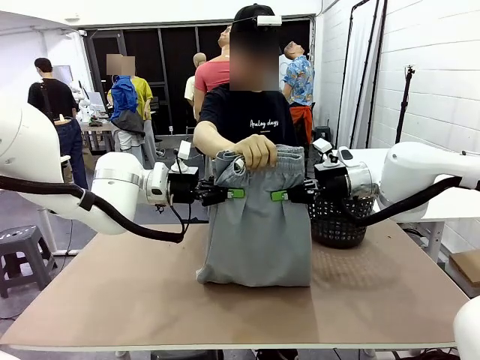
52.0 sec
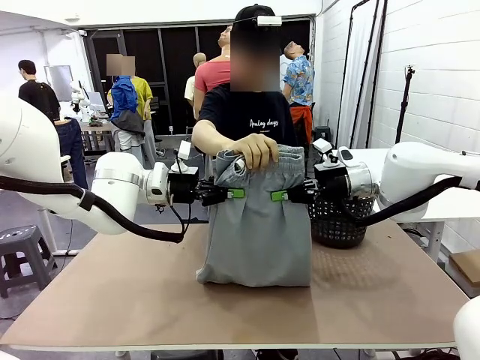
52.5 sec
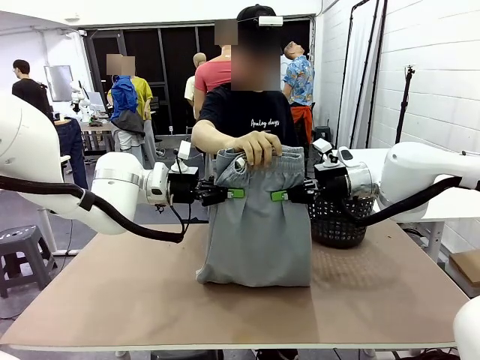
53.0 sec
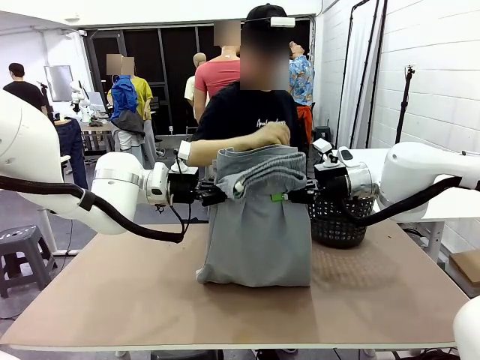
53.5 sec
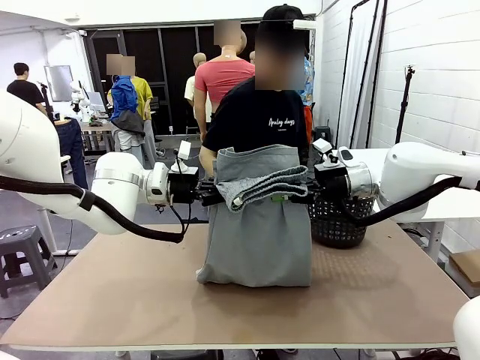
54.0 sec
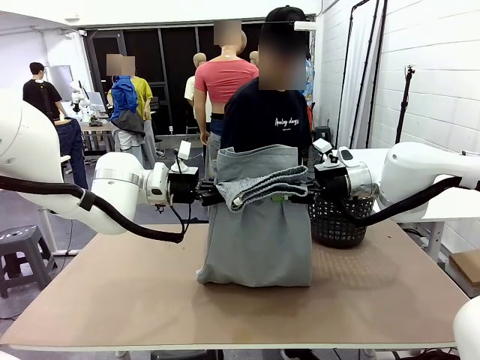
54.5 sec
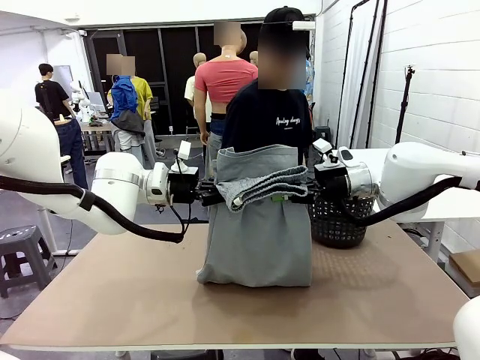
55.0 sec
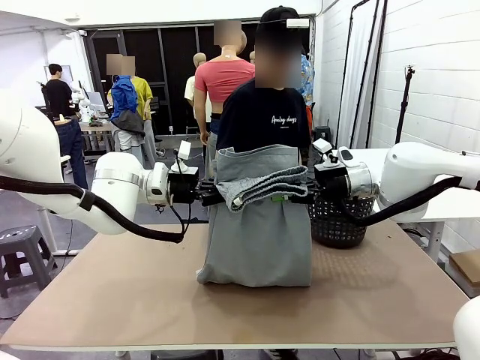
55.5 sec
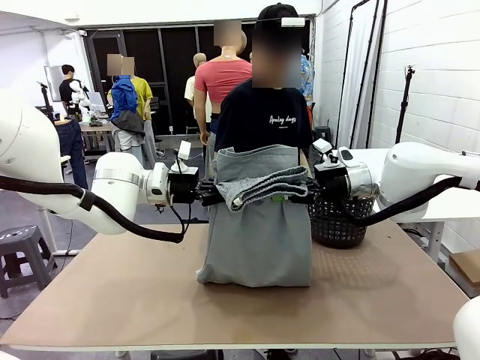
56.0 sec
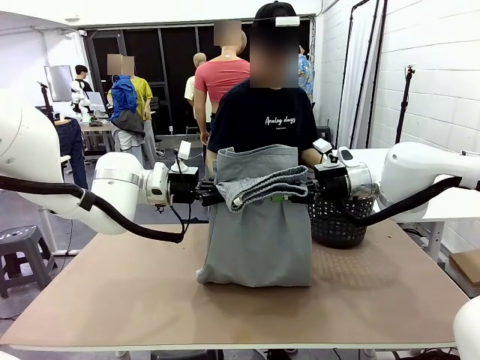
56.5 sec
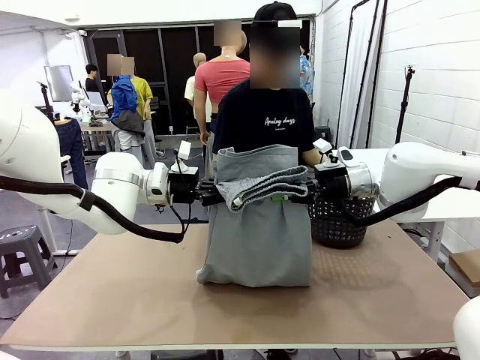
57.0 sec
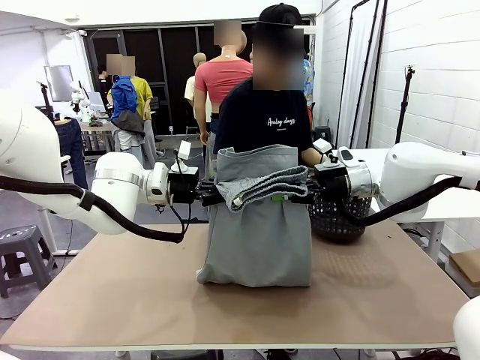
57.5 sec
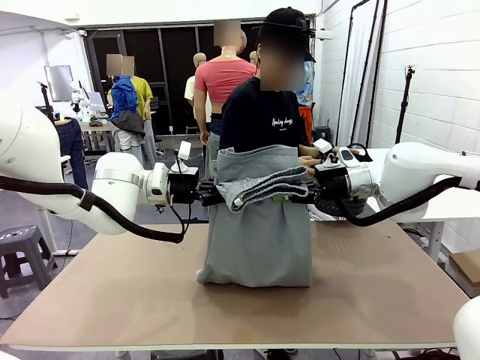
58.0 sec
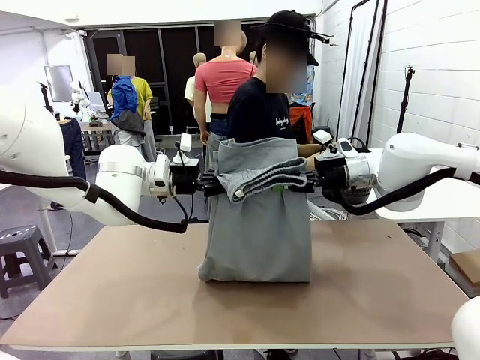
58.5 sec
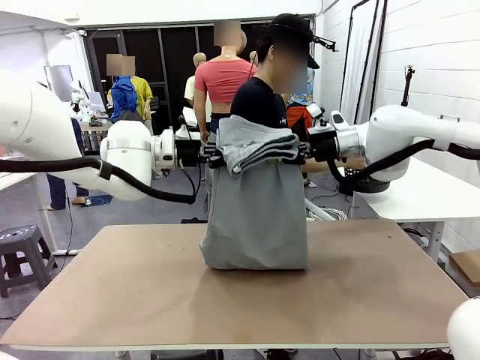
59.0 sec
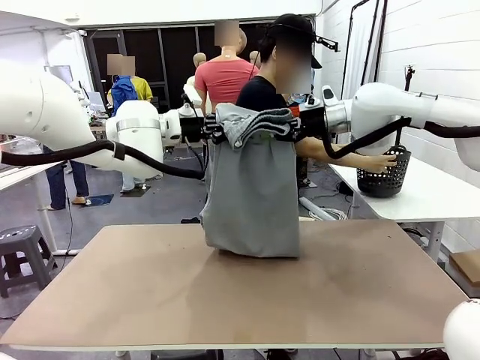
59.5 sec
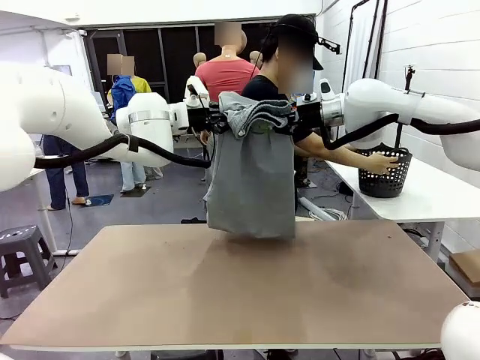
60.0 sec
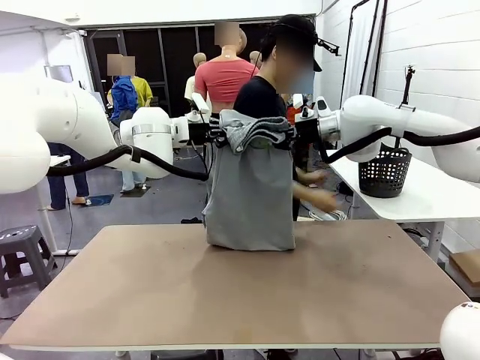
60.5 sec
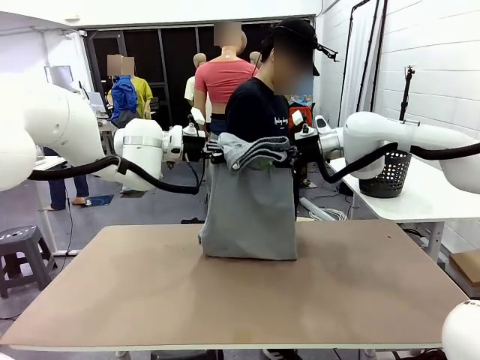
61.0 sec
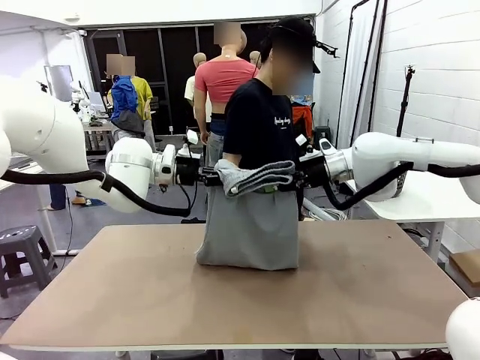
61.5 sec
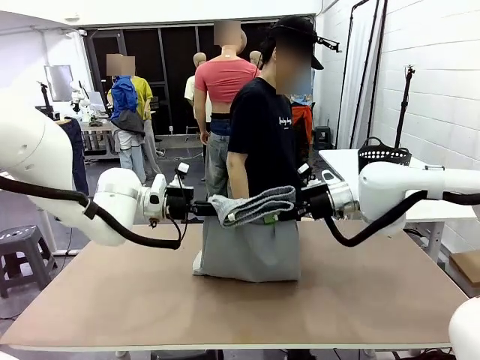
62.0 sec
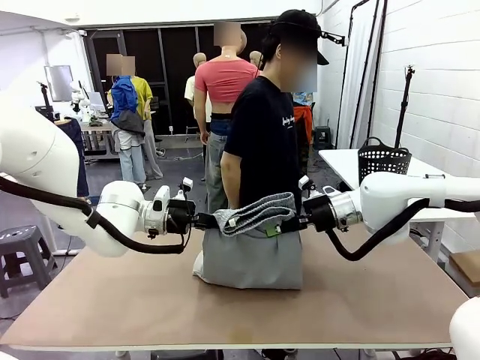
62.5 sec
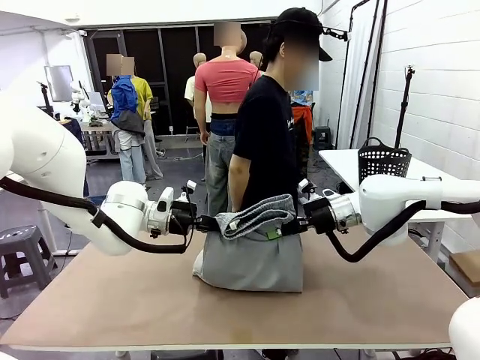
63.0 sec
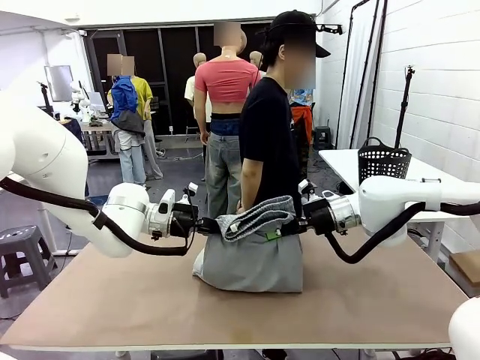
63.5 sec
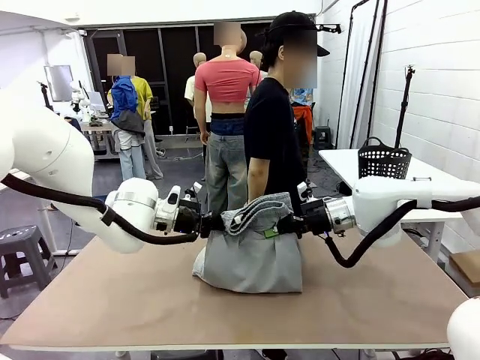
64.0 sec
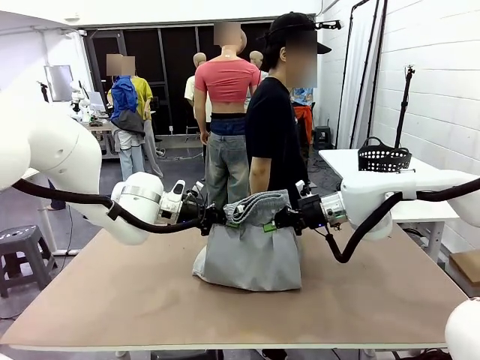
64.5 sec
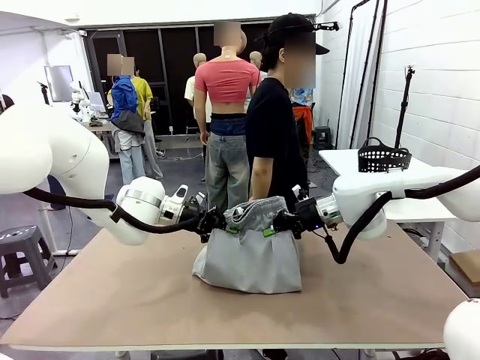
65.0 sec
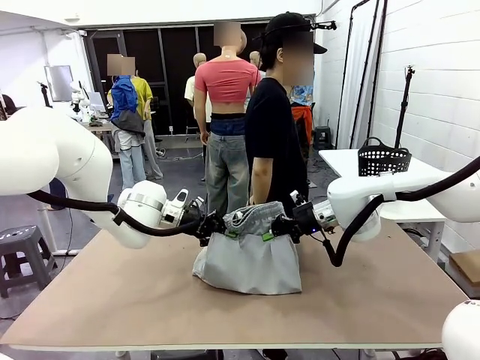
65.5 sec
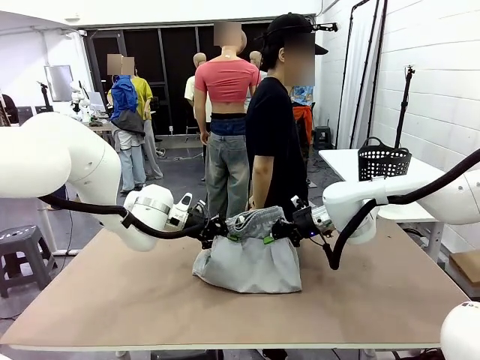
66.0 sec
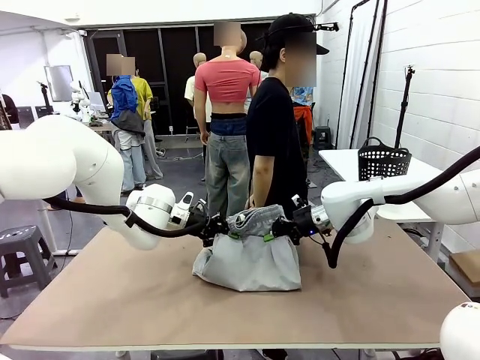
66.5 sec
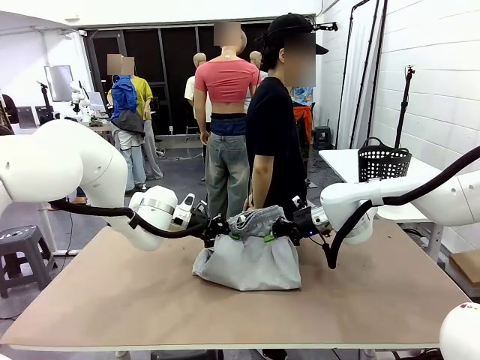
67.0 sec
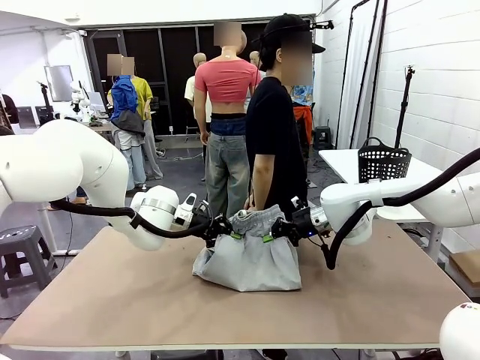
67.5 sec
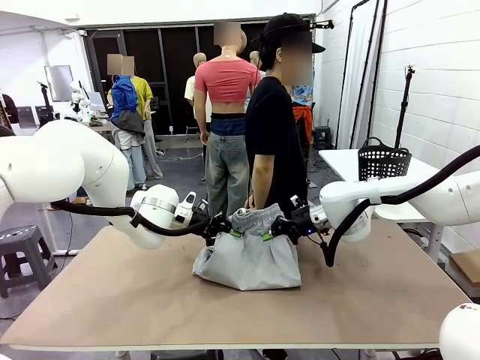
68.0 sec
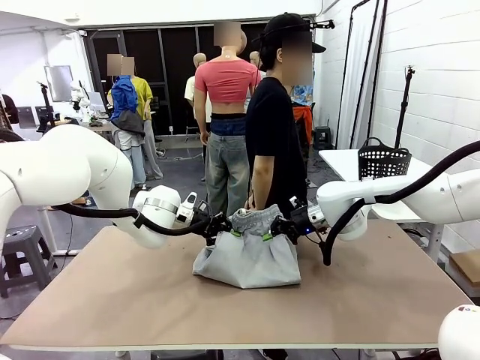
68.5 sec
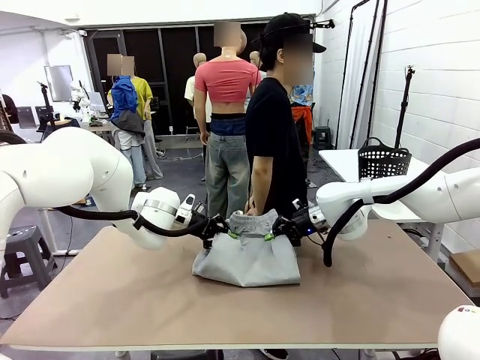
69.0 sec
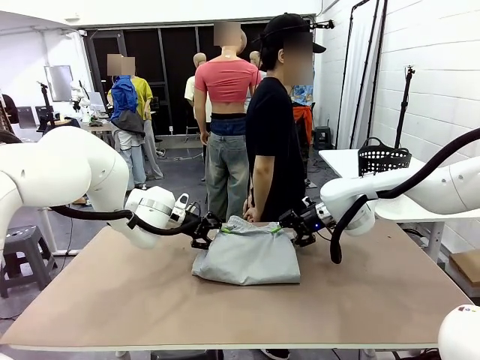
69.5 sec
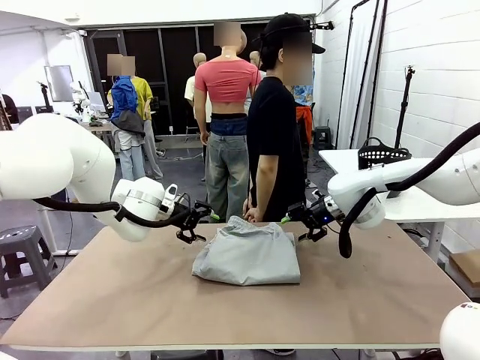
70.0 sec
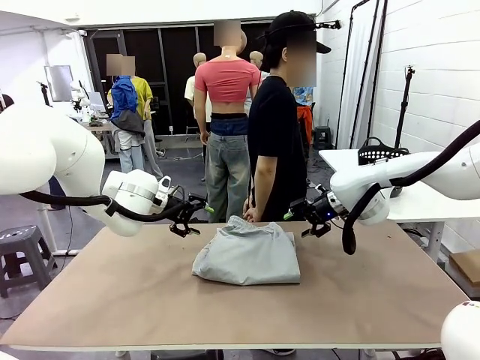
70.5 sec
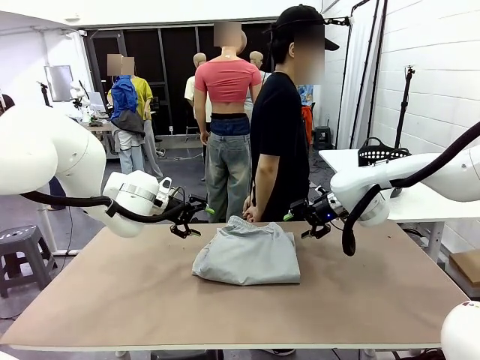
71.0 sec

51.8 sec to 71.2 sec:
Task: Fold the training pants.
Robot: Fold the Training pants in half.
Person: Move the laundry basket to the right of the human table.

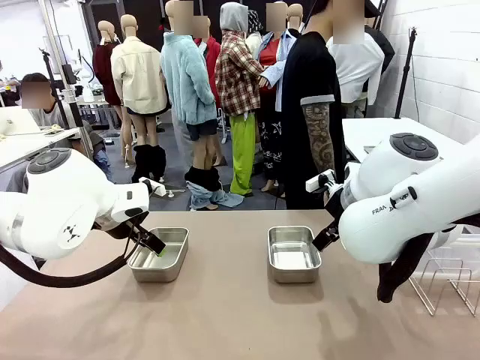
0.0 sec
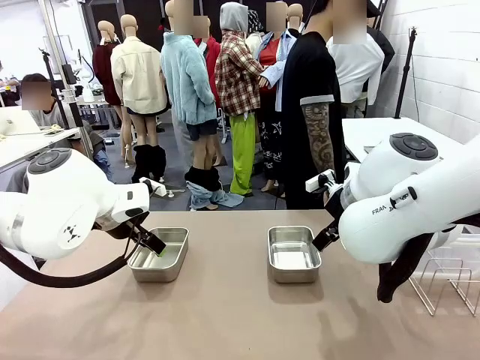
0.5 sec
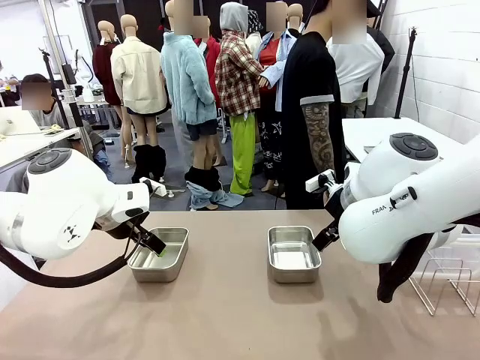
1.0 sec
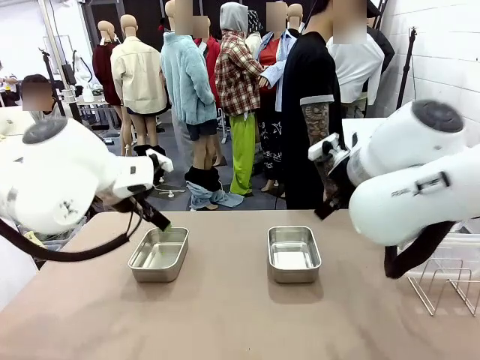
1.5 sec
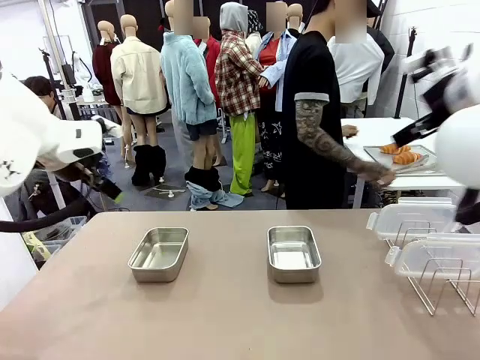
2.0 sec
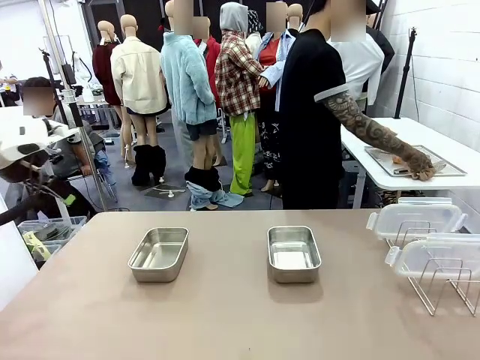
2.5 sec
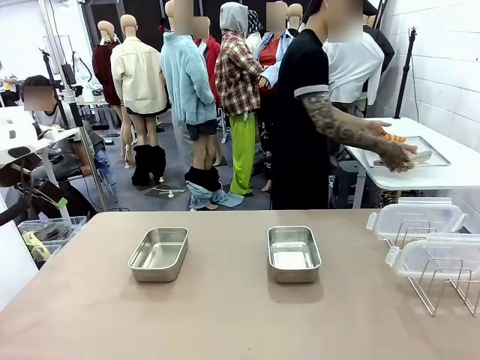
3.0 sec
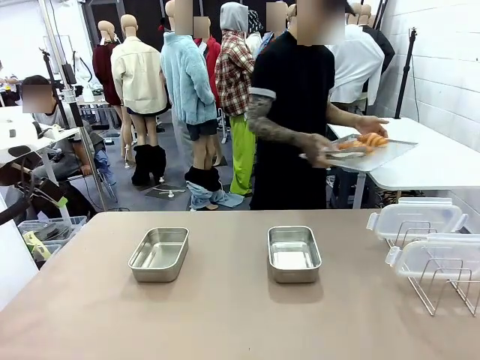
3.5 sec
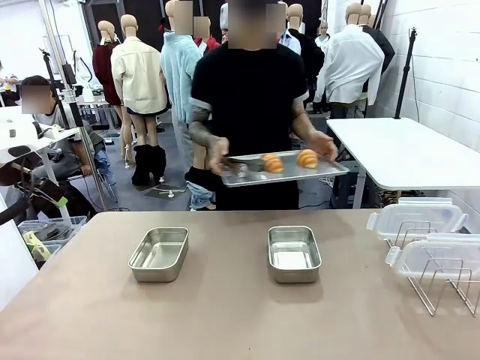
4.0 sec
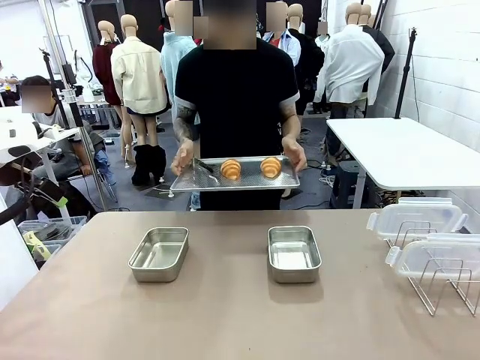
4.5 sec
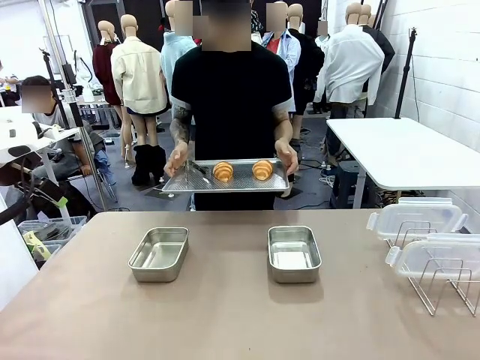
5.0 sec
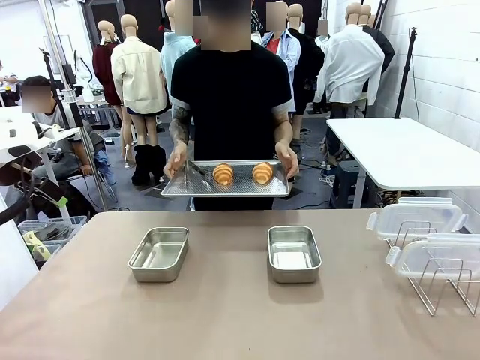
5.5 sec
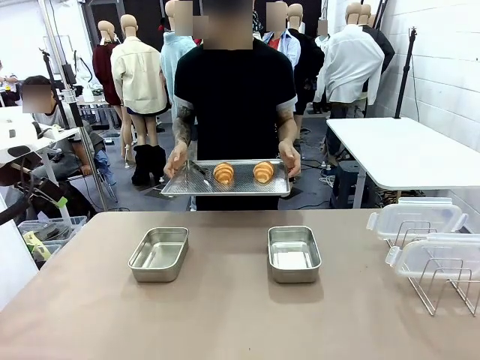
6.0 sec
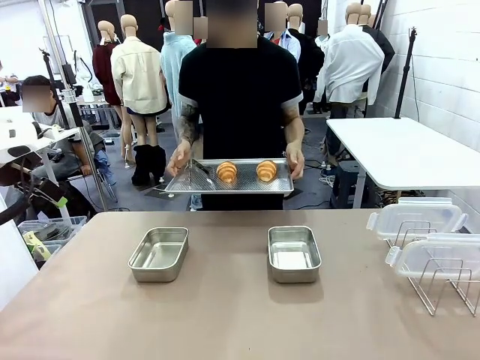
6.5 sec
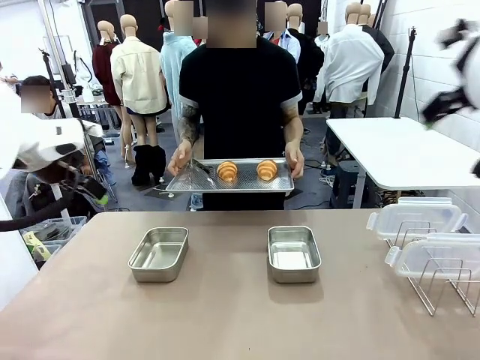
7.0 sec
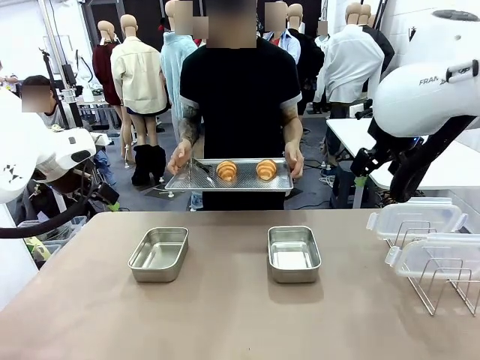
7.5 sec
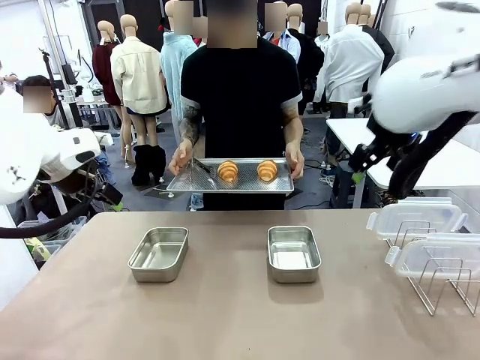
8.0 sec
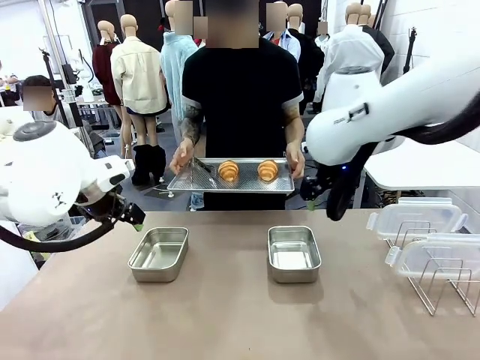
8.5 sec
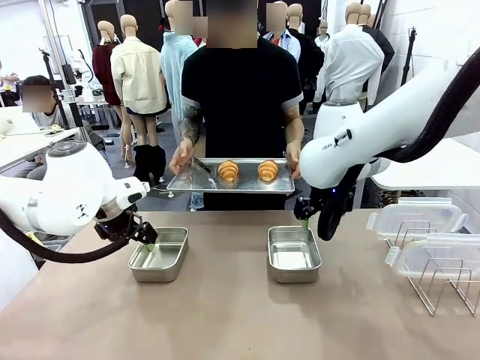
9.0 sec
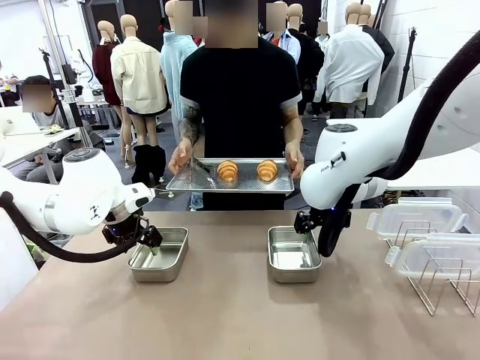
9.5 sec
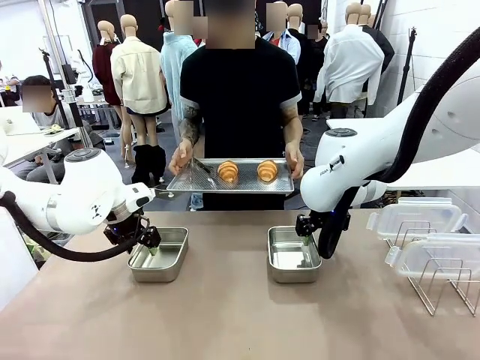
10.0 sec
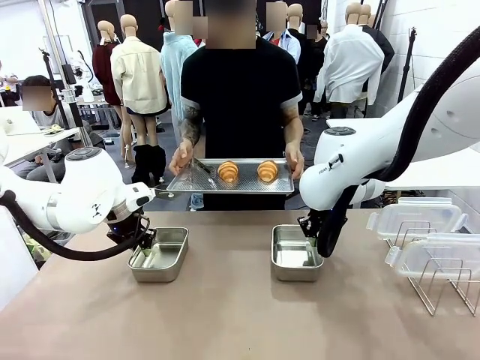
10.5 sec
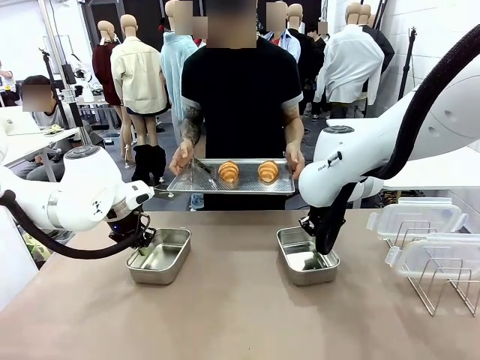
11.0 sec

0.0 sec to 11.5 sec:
Task: Place the bread in airtight containers.
Robot: Lift both Airtight Container.
Person: Bring the Baking Sheet in front of Robot's Table.
